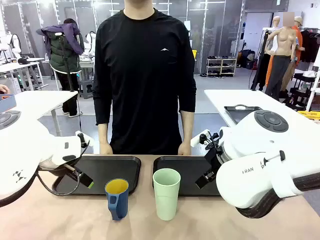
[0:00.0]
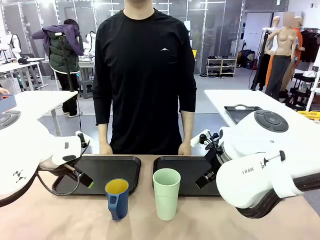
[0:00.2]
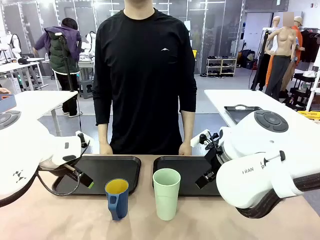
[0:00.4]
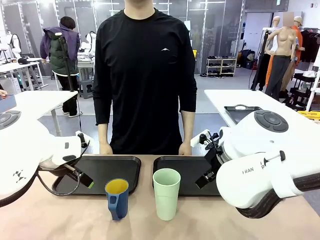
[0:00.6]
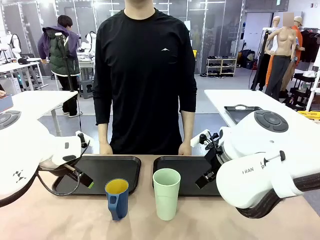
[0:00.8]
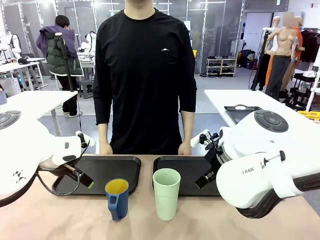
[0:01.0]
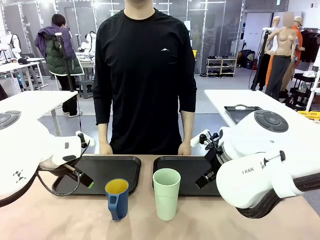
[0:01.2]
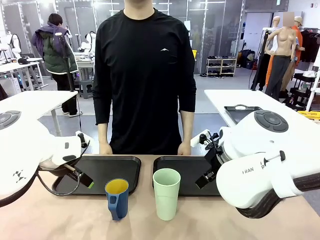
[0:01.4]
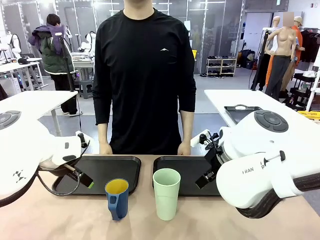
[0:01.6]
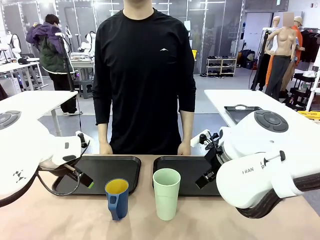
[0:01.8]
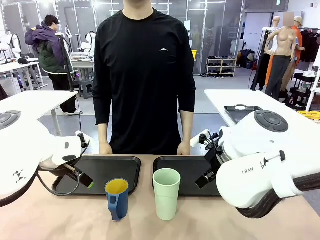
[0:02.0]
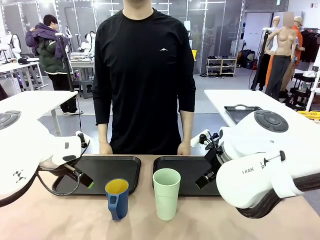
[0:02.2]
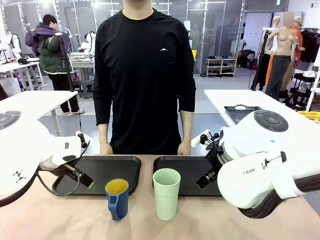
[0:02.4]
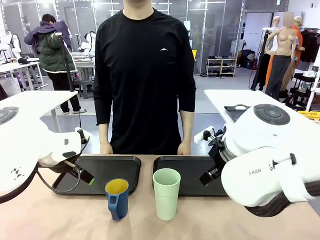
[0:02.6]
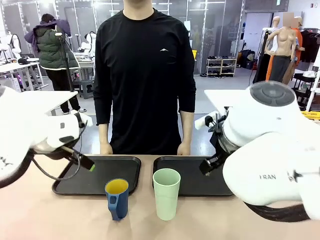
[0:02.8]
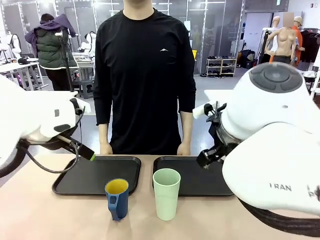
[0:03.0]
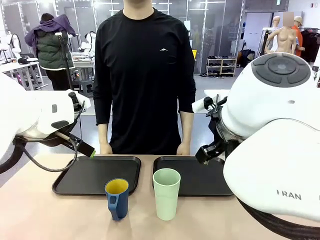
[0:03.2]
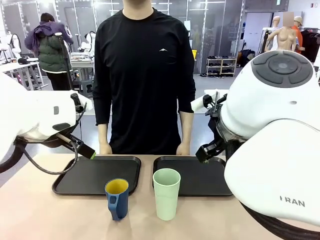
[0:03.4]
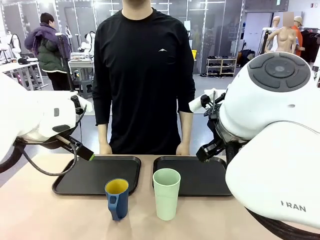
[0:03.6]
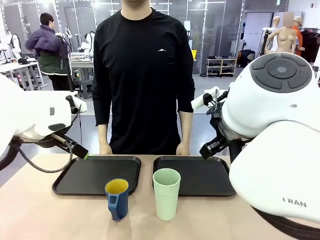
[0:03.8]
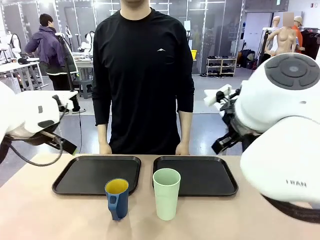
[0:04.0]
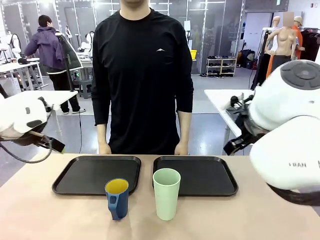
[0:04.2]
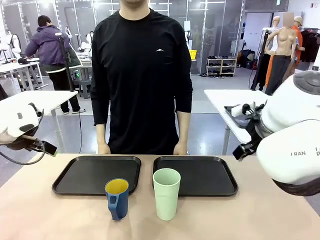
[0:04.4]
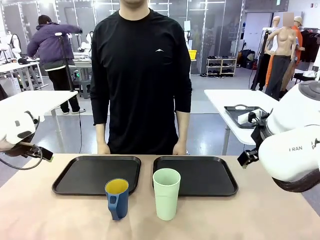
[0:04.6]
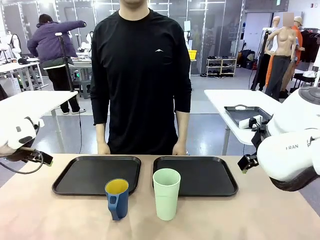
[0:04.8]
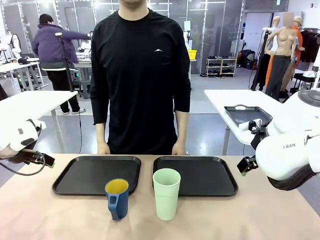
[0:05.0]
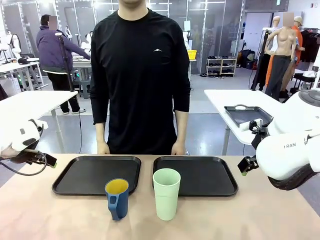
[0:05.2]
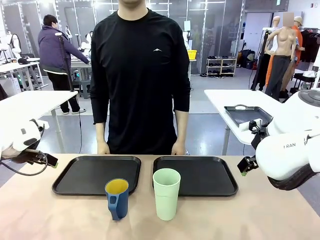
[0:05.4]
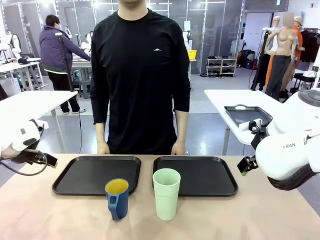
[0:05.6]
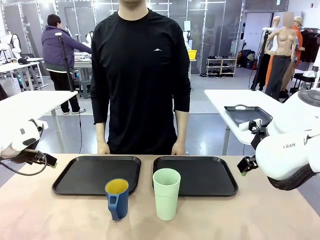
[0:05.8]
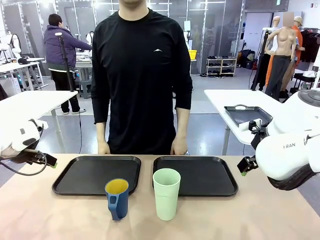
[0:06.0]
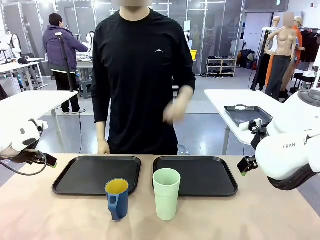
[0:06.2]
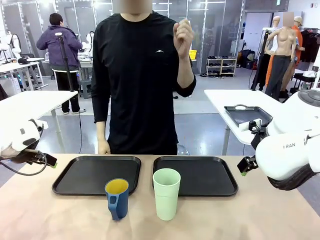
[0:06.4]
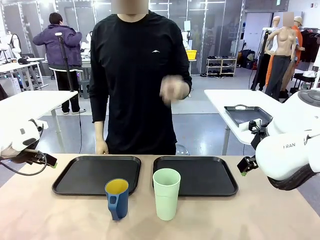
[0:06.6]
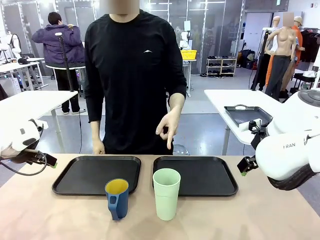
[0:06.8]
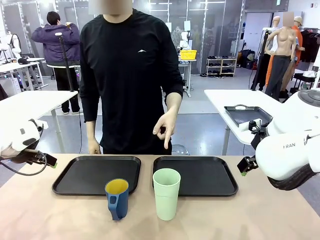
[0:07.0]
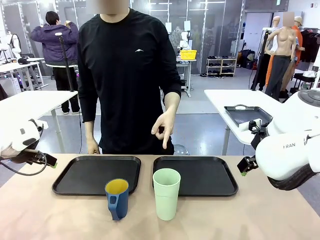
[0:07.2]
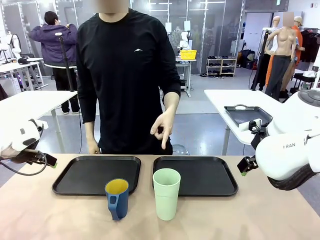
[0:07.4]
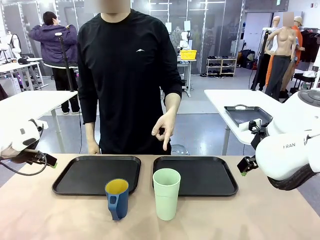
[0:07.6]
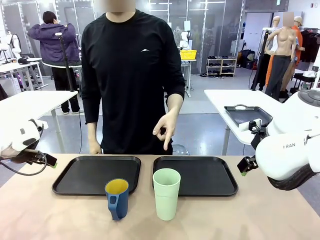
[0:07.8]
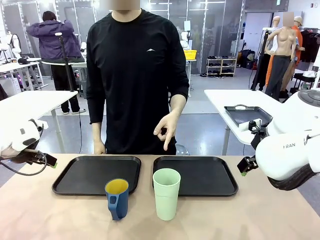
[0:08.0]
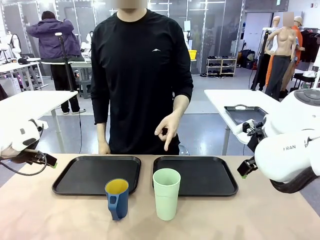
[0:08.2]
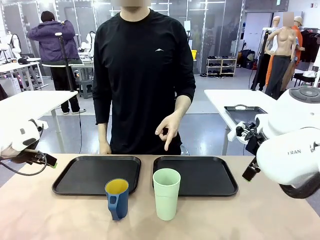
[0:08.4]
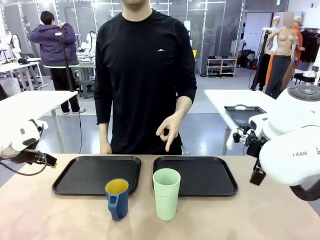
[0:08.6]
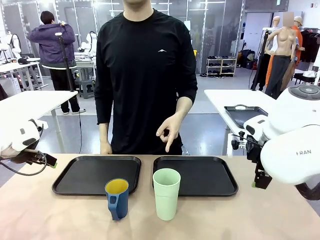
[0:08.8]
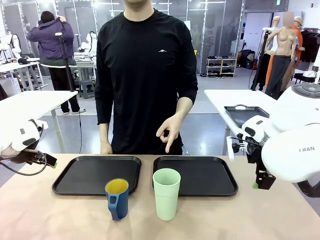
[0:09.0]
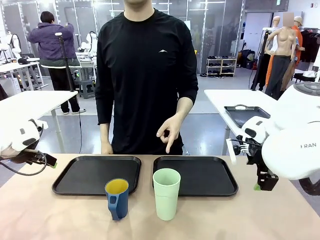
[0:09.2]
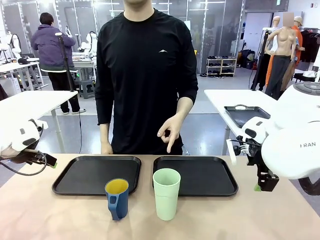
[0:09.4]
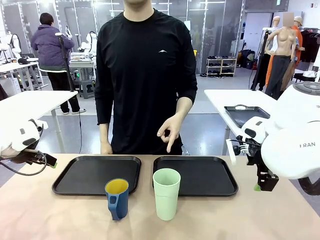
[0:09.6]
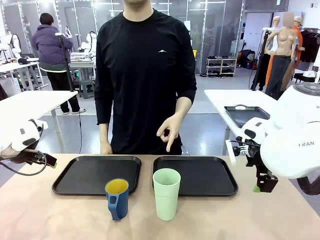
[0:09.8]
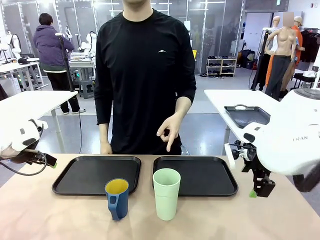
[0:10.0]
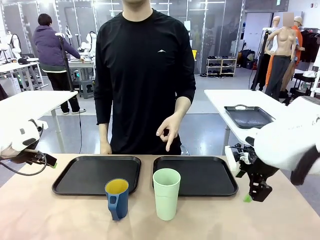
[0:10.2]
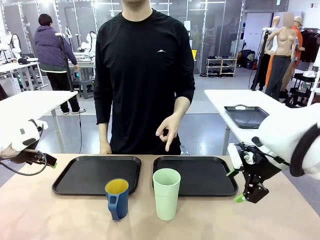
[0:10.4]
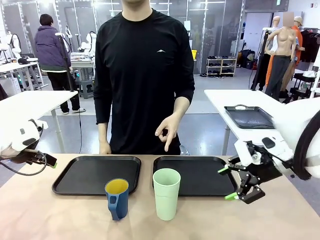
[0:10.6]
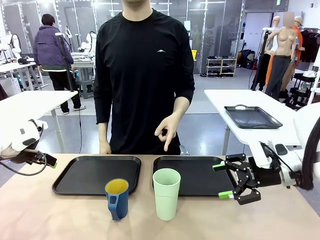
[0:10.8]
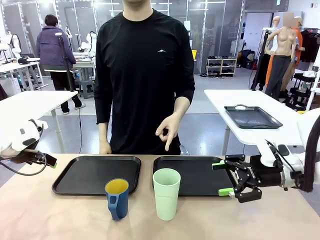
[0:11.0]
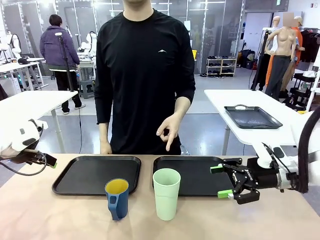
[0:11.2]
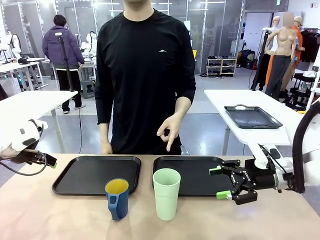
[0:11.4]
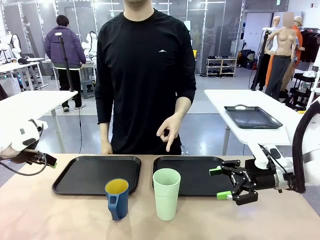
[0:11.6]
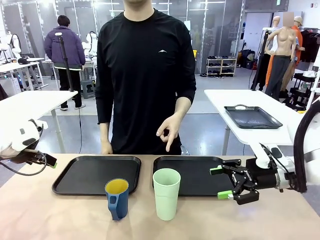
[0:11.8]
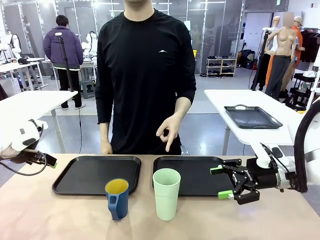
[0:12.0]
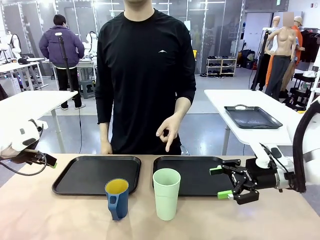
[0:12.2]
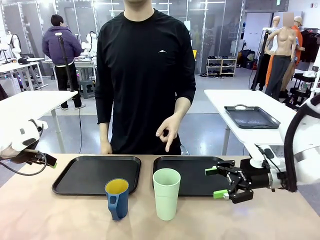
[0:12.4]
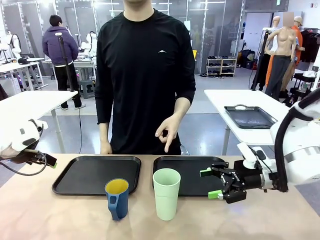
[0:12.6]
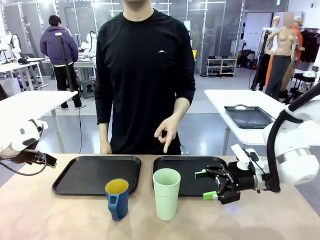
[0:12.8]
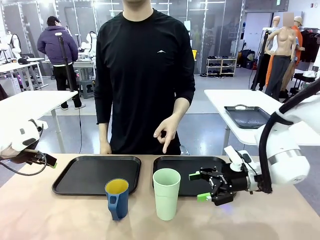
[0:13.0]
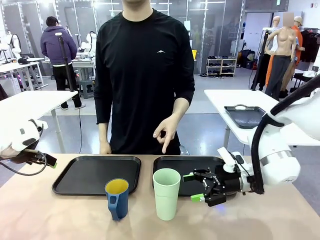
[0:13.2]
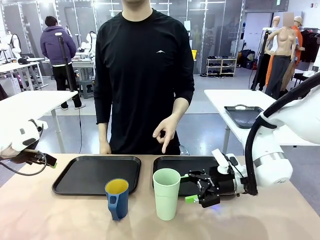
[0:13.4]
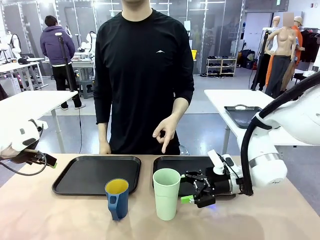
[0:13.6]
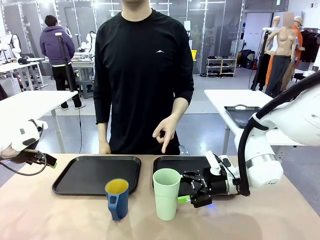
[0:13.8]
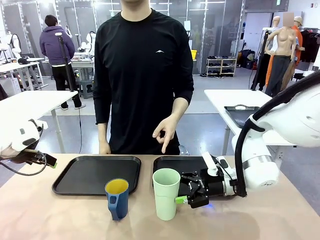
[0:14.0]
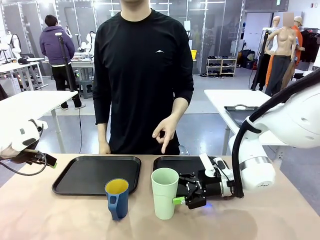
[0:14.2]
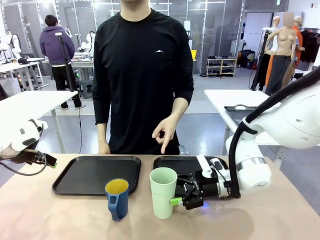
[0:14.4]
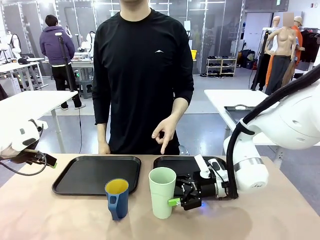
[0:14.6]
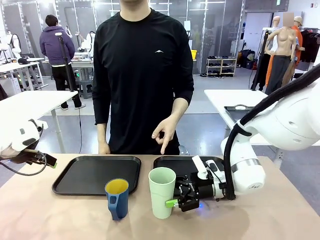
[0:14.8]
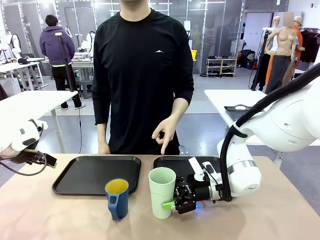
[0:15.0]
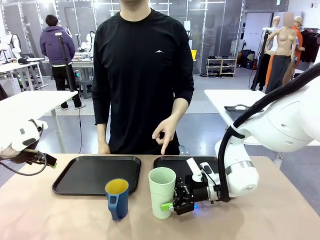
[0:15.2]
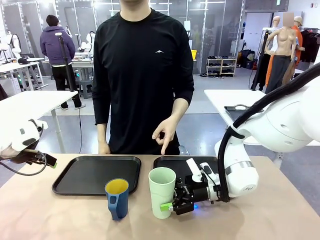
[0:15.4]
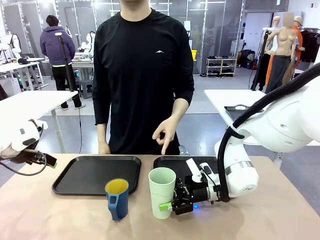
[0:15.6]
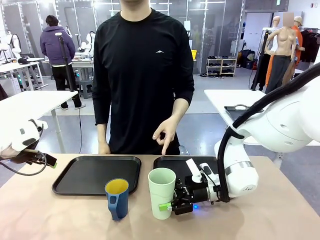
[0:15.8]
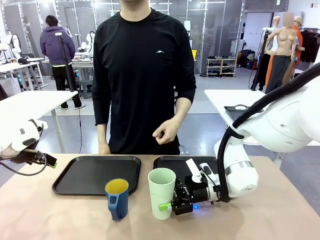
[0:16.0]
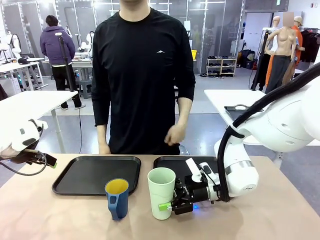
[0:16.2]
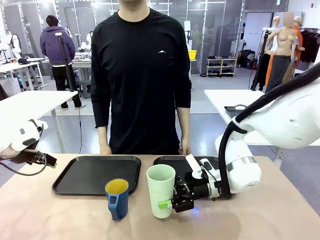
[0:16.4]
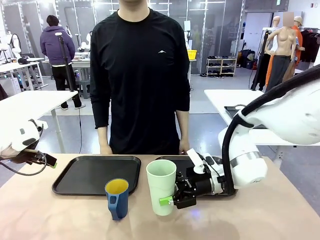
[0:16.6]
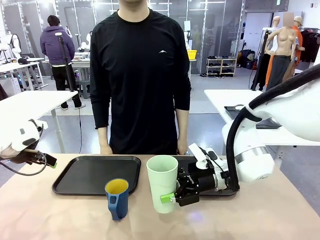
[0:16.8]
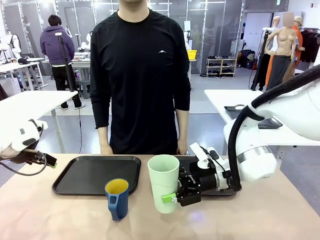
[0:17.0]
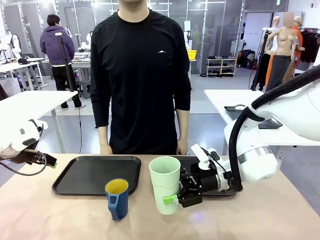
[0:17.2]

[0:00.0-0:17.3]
Task: Sort and store the cups by type.
Robot: Pick up the Reusable plastic cup.
Person: Points to the reusable cup. Point to one of the two trays.

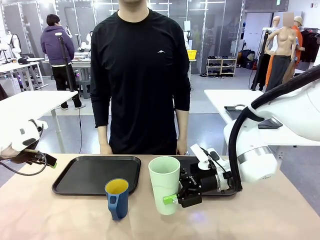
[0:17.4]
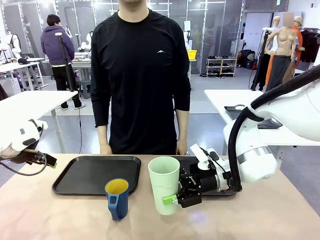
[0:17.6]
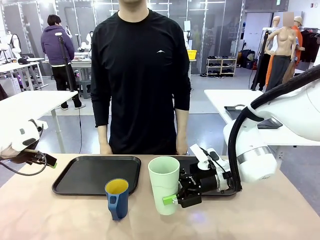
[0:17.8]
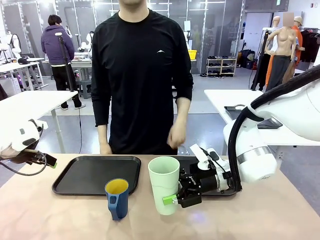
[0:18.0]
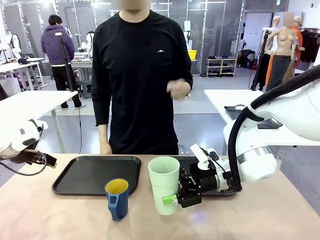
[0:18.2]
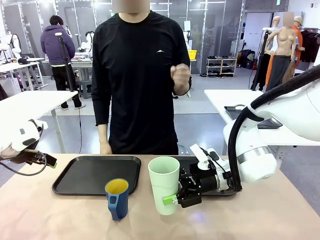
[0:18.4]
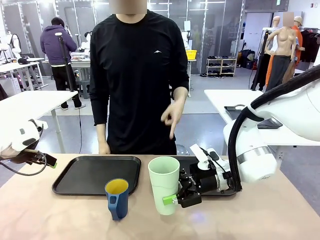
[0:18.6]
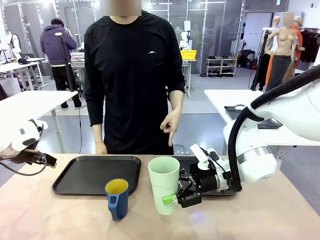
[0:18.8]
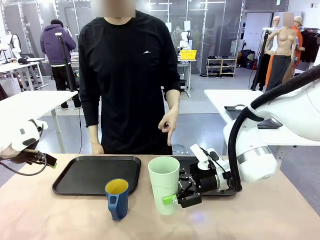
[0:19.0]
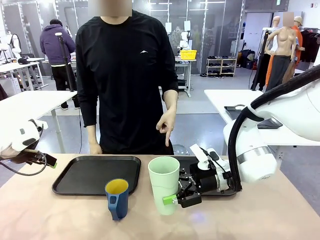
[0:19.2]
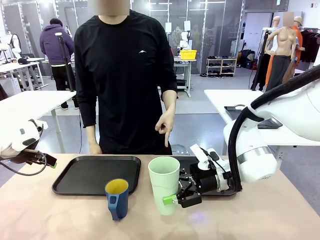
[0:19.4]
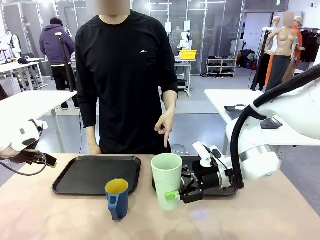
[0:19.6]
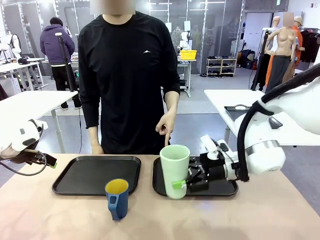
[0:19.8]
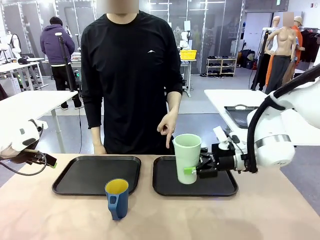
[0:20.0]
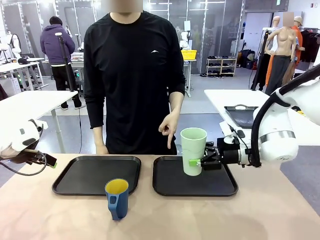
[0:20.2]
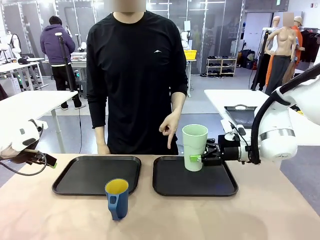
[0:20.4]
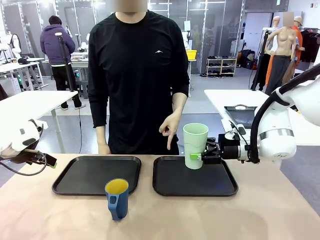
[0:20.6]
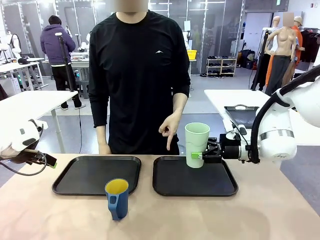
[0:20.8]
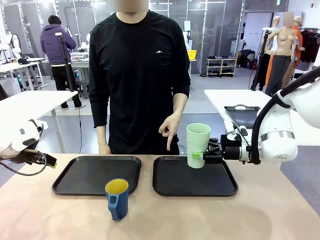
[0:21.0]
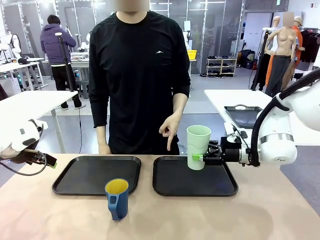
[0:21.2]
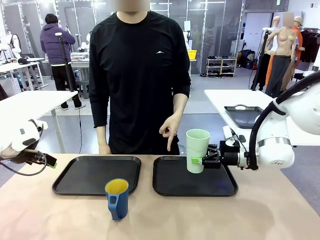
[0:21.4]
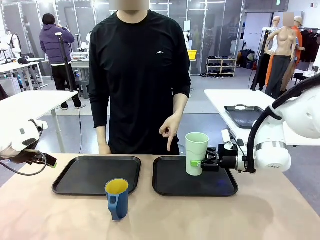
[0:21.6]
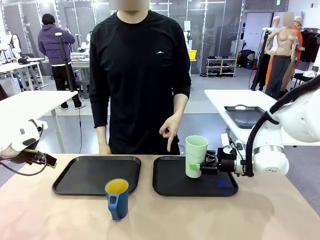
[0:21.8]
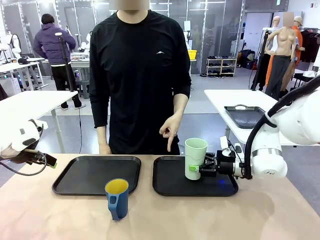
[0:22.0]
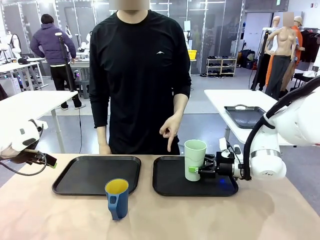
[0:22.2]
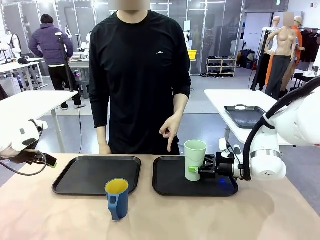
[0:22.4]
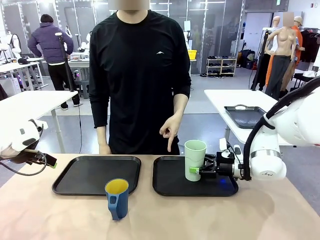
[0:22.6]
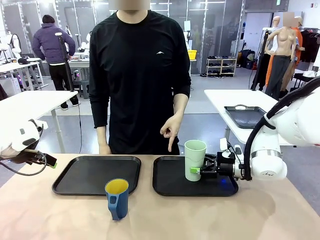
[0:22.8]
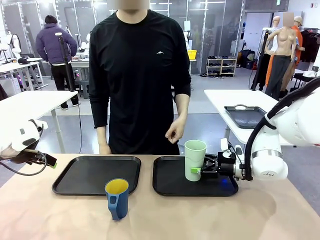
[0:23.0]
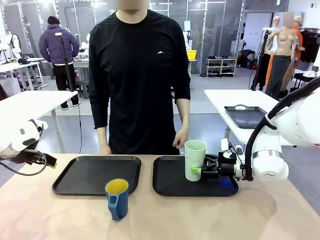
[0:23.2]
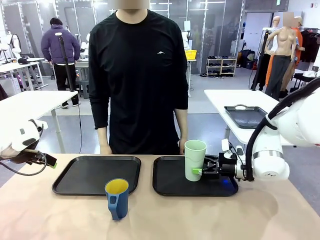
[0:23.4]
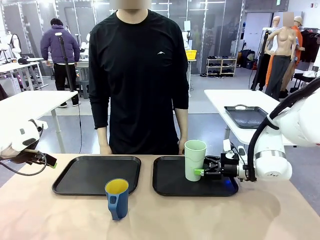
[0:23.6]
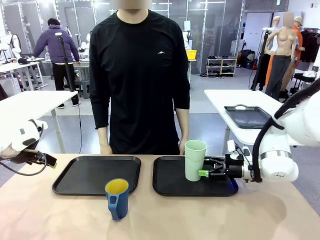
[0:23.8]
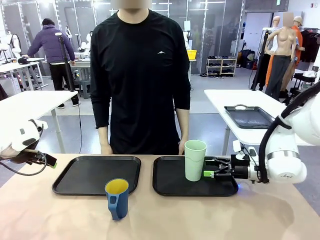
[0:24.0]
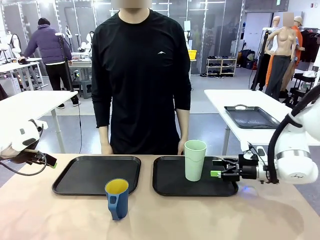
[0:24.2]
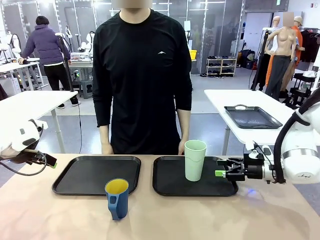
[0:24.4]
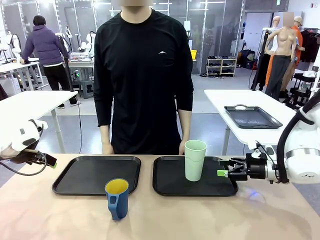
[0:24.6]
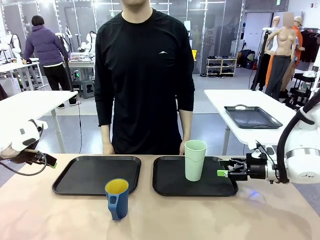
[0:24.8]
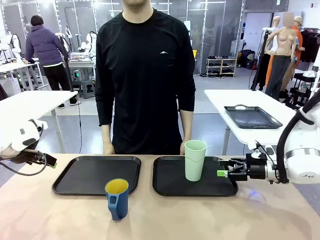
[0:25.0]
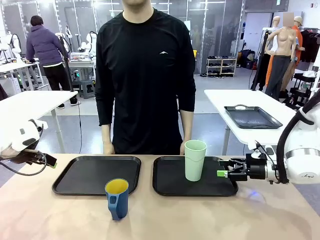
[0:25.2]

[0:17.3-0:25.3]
Robot: Place the picked Reusable plastic cup into the Flat Tray indicated by the person.
